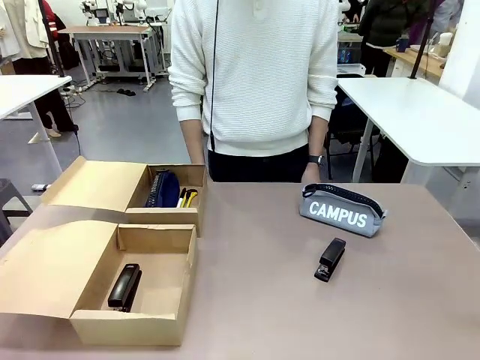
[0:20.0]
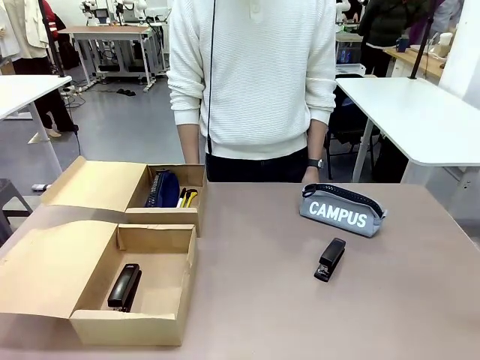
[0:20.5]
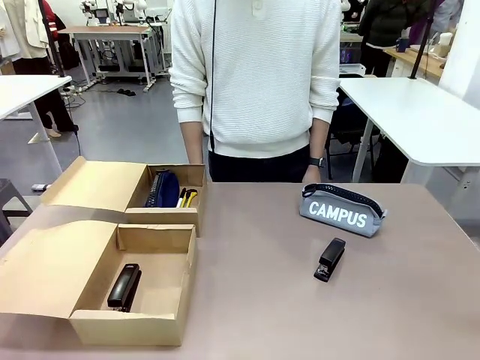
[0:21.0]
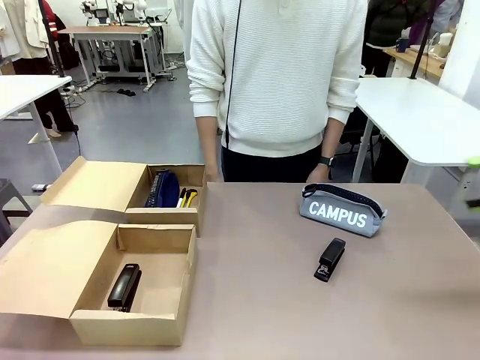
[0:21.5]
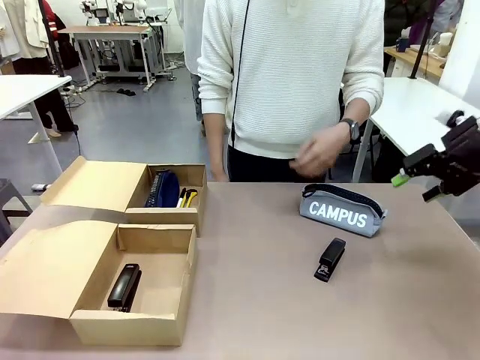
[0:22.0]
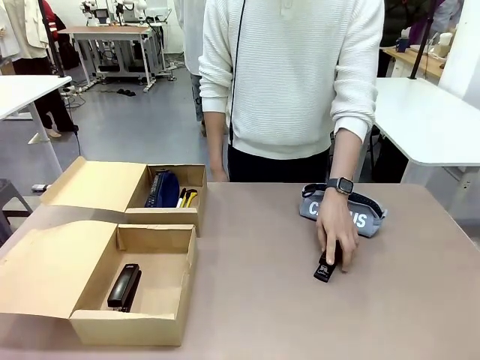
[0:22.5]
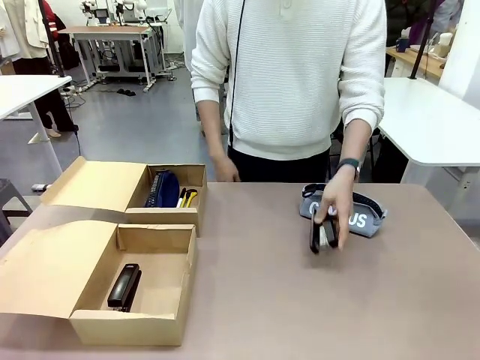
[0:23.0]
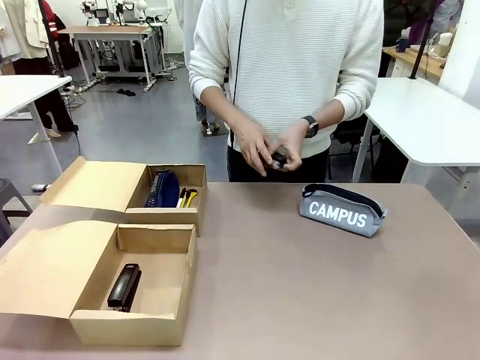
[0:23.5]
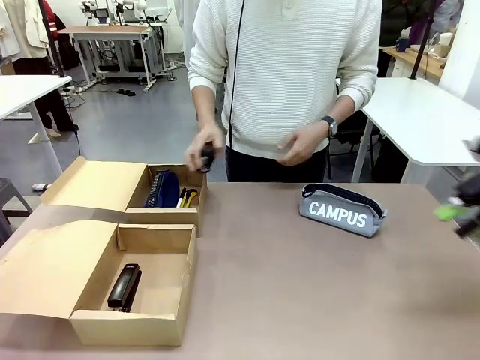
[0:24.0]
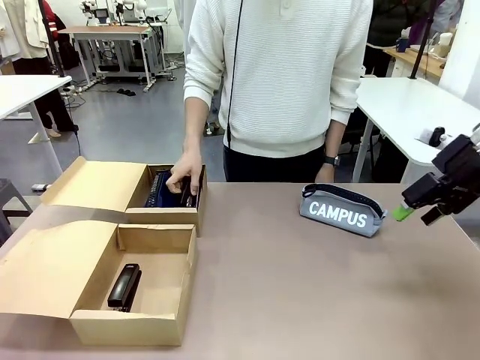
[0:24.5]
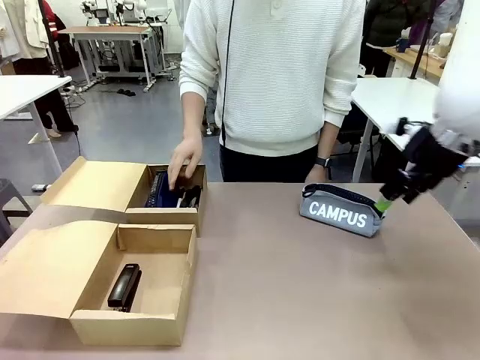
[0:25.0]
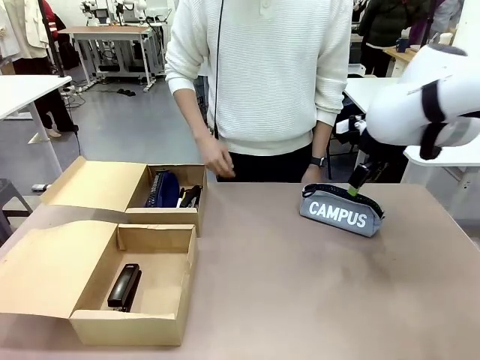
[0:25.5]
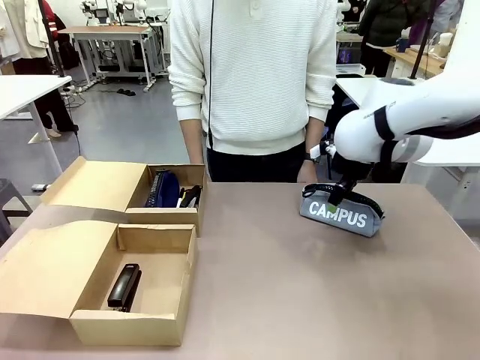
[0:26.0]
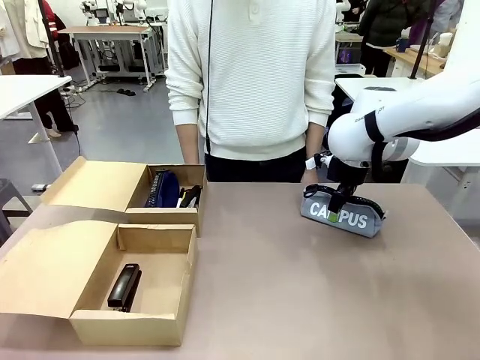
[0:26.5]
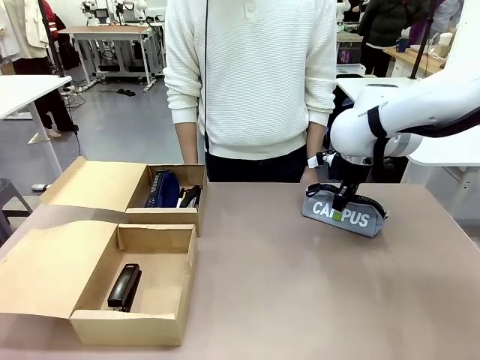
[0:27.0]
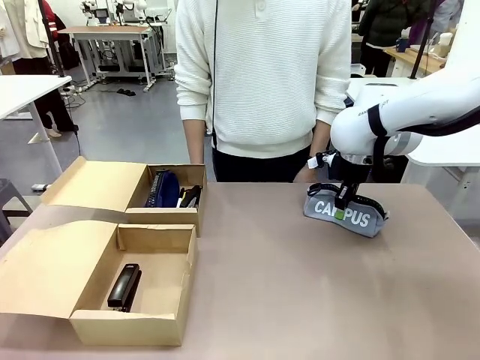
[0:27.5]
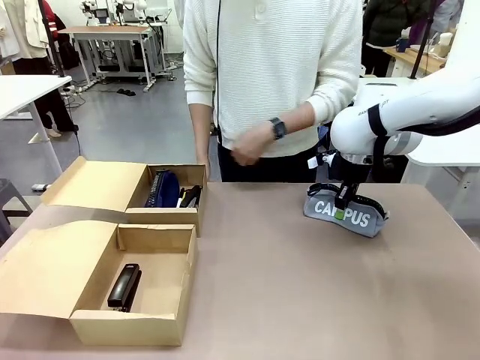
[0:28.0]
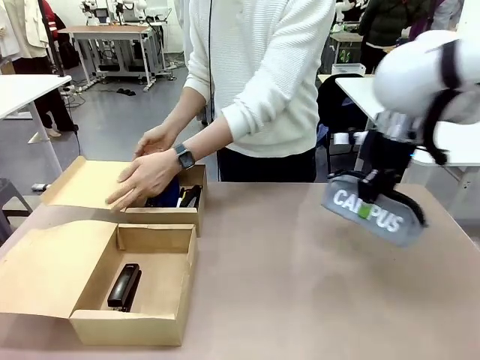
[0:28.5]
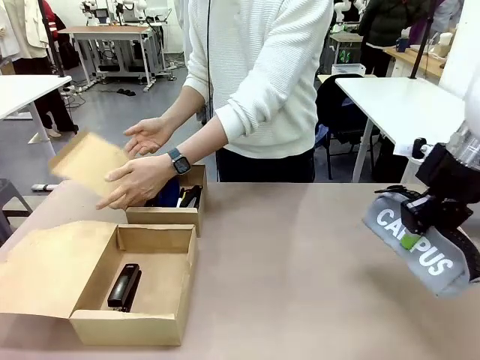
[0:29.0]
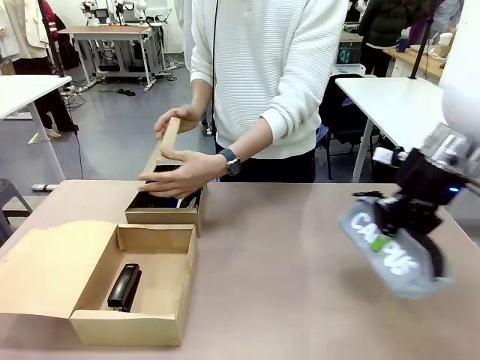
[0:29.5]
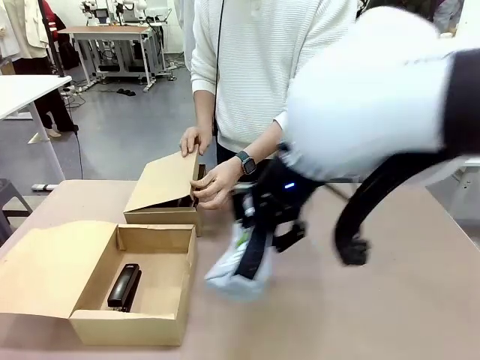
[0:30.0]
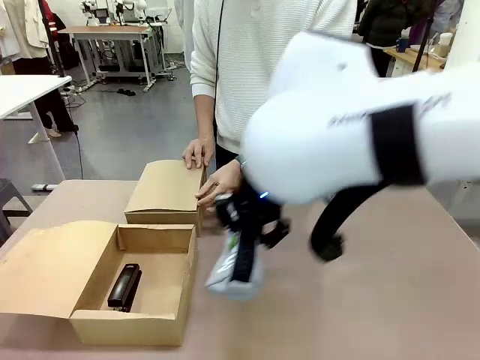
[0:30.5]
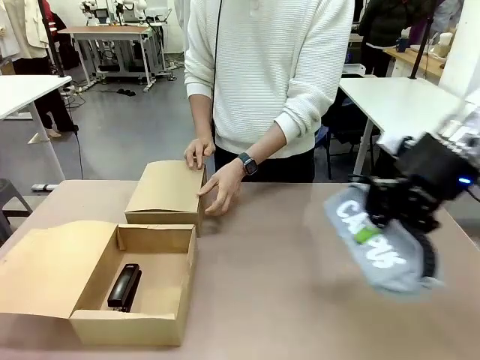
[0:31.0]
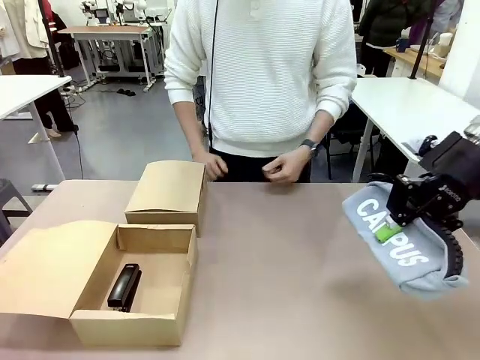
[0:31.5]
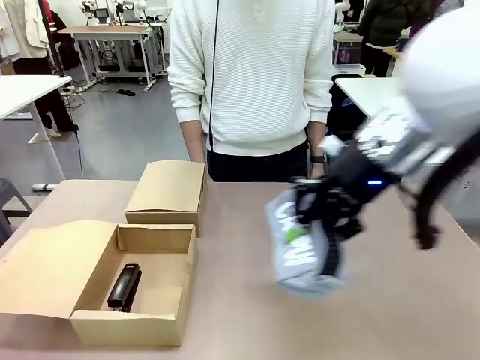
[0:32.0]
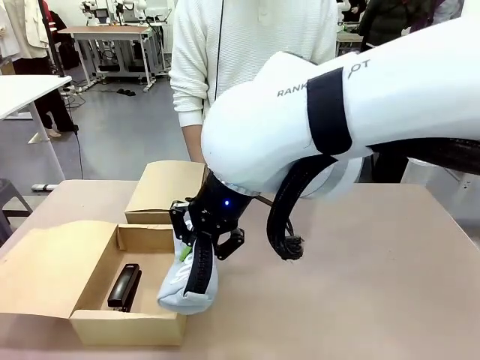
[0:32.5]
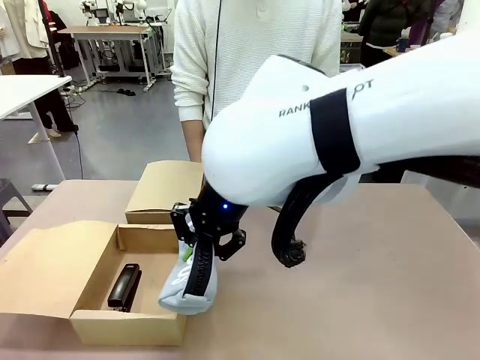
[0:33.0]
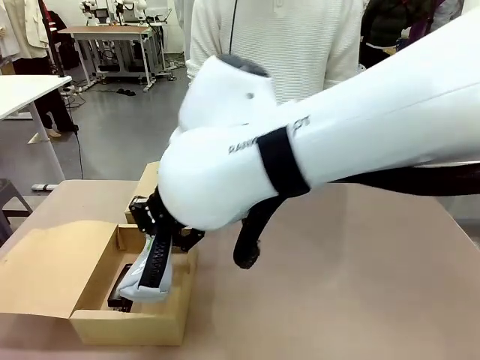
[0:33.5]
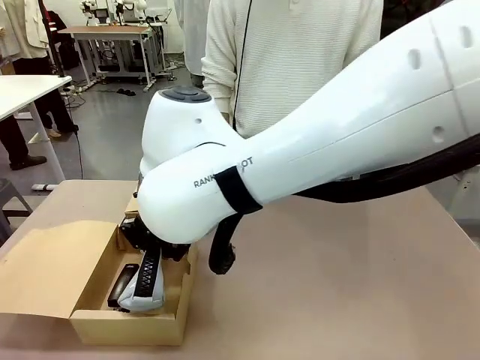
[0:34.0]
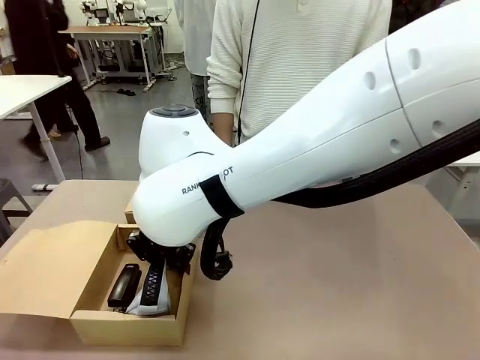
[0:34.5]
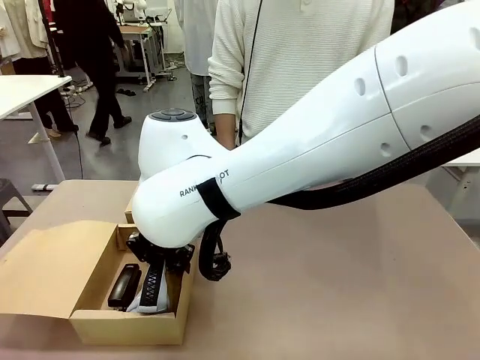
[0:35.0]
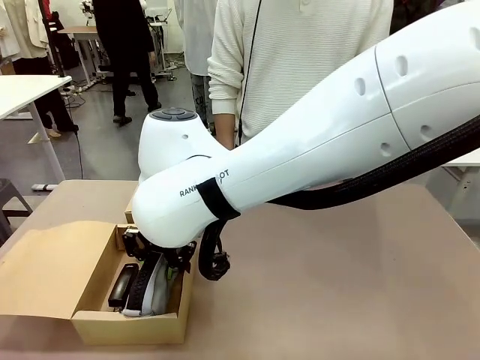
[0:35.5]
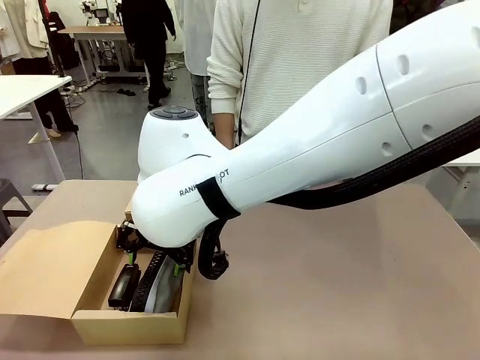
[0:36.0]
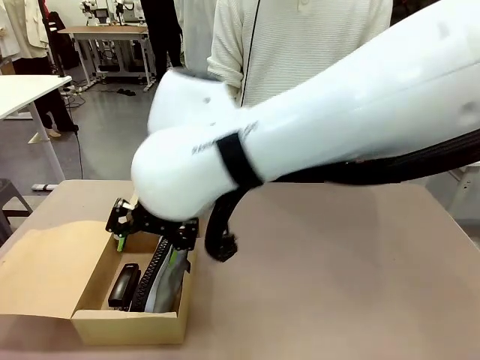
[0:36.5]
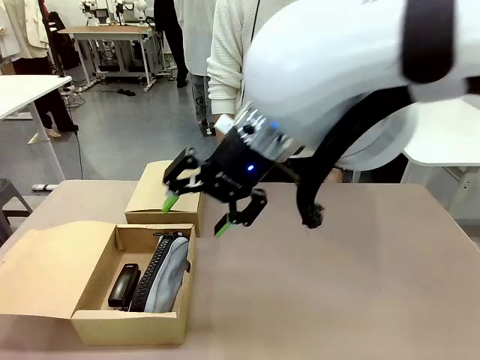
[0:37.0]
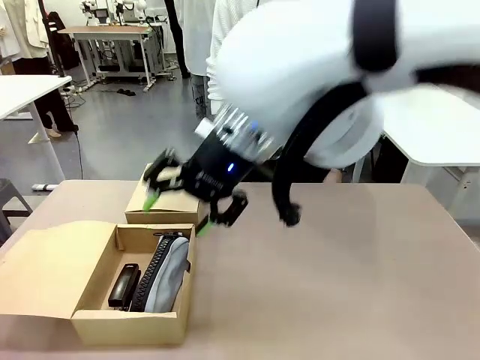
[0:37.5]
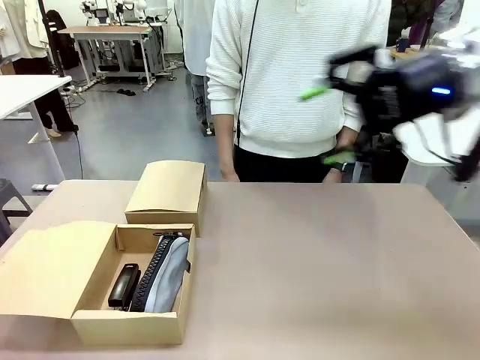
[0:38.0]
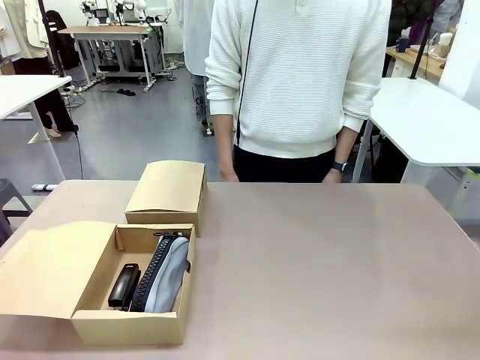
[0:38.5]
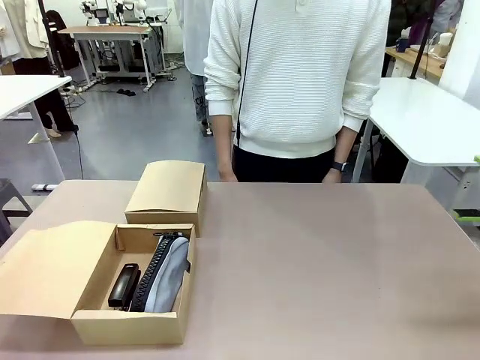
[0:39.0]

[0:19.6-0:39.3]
Task: Place items inside the box.
Robot: Pick up a Pencil pouch or Stapler and place it inside the Mailer Box closest to the robot.
Person: Close the lid of the box facing the person.

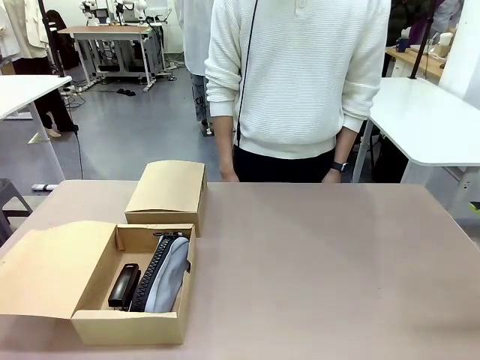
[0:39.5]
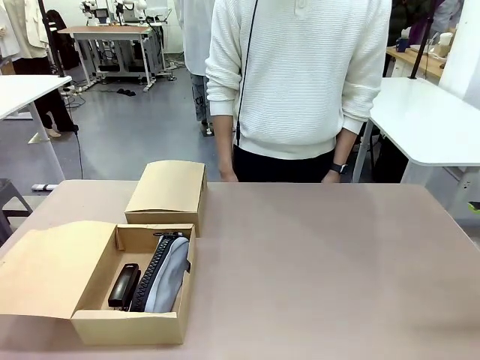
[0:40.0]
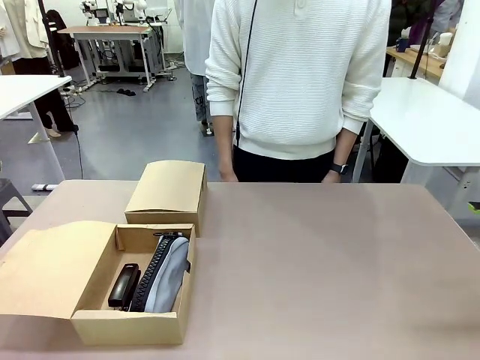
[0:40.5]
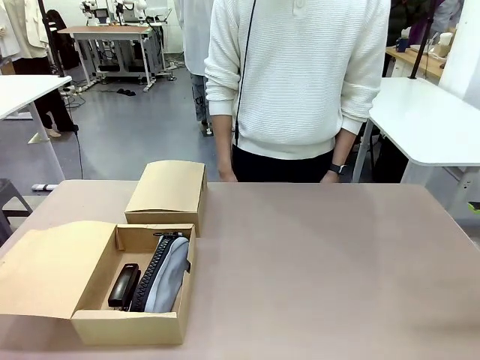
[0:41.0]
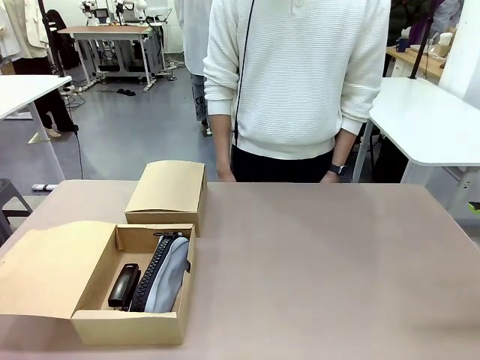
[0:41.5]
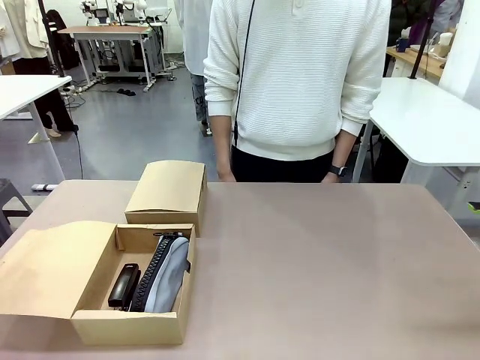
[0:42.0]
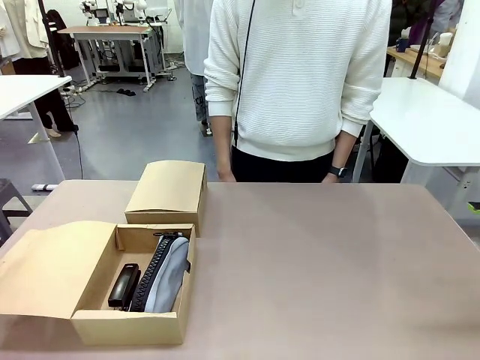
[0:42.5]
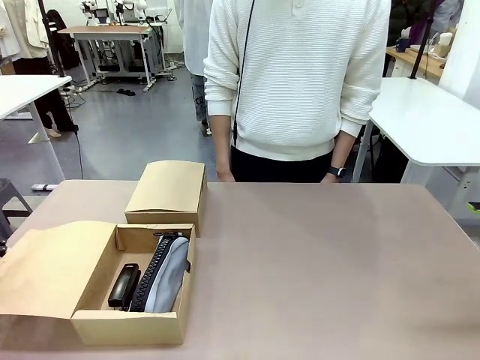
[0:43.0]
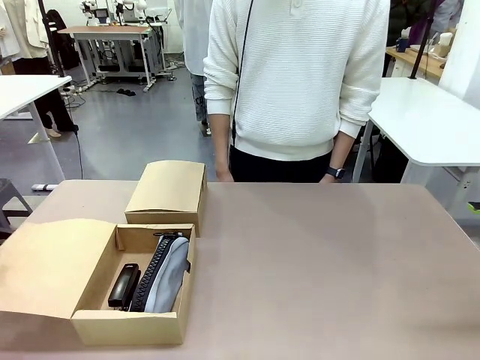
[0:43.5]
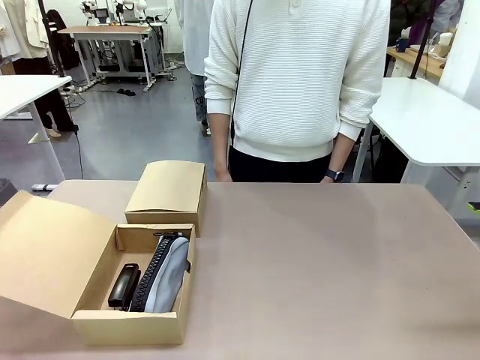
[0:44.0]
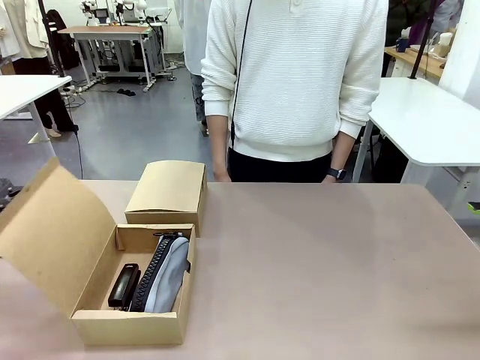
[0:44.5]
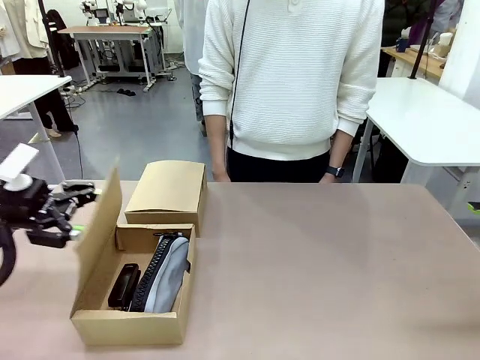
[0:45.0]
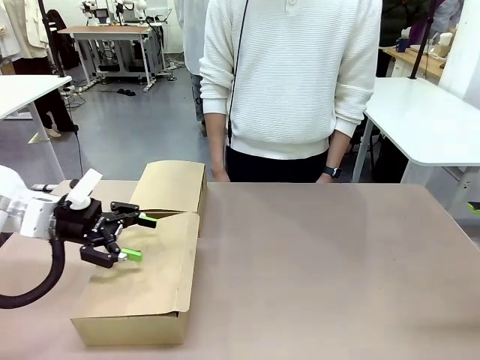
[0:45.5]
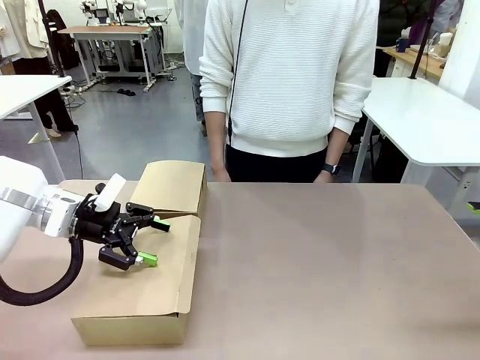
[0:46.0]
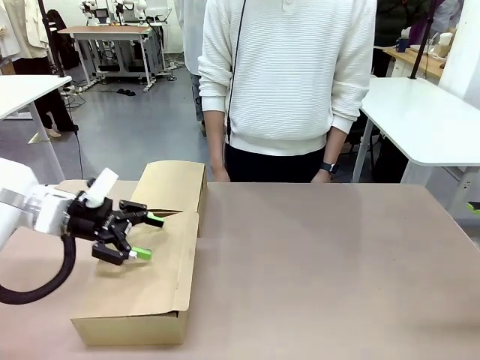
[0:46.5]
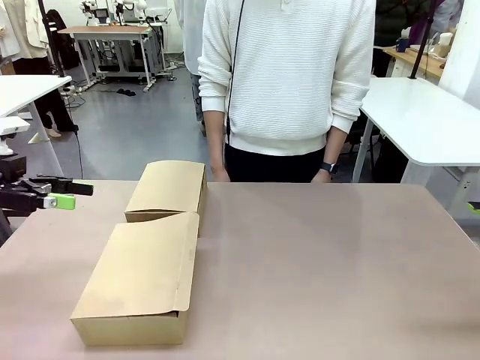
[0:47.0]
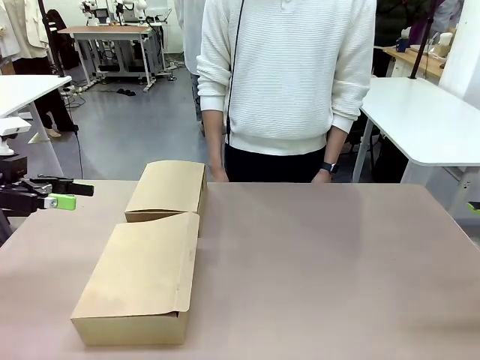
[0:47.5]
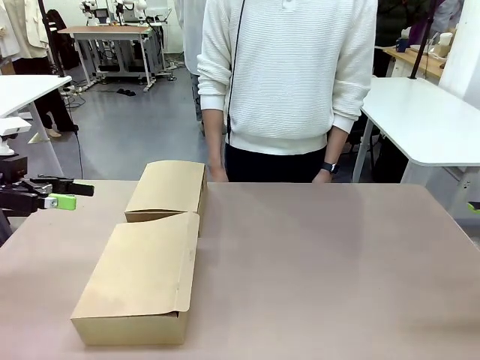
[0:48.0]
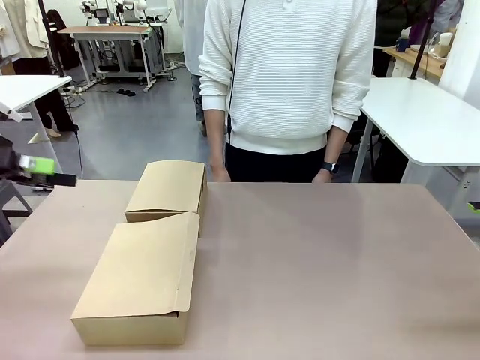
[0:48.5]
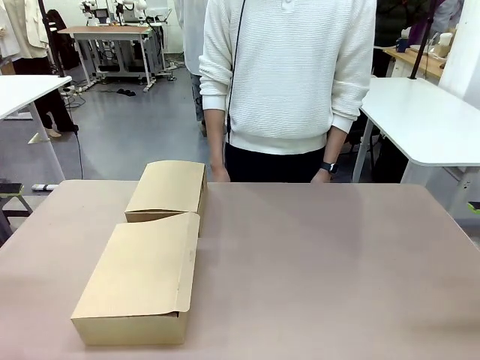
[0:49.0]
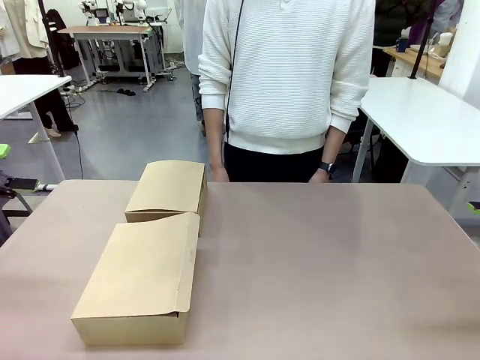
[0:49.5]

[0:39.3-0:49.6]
Robot: Close the lid of the Mailer Box closest to the robot.
